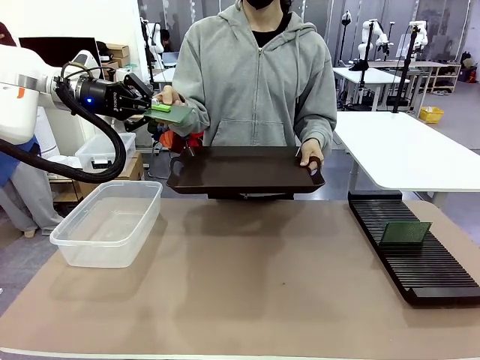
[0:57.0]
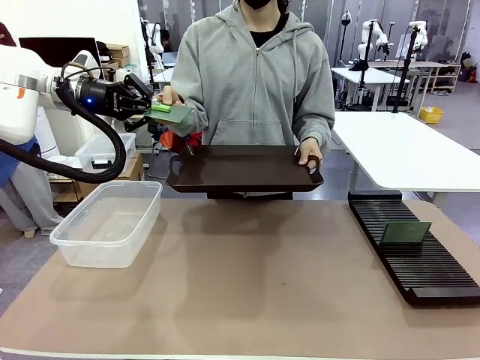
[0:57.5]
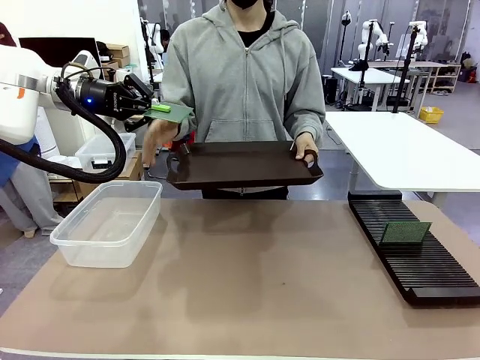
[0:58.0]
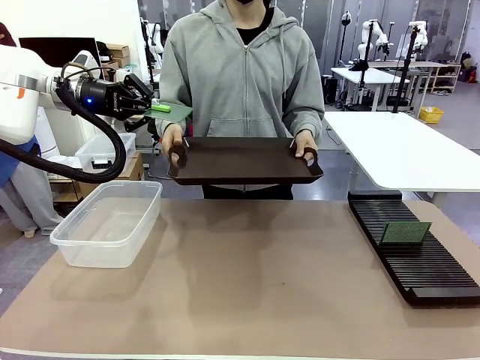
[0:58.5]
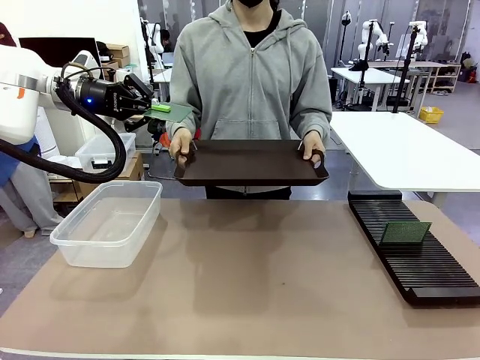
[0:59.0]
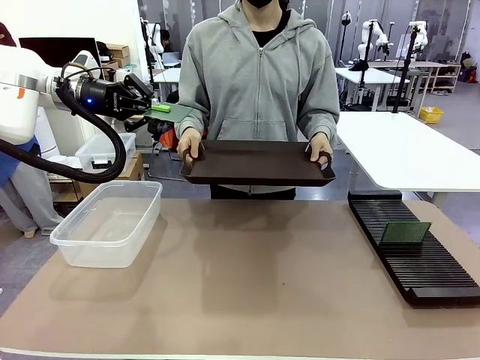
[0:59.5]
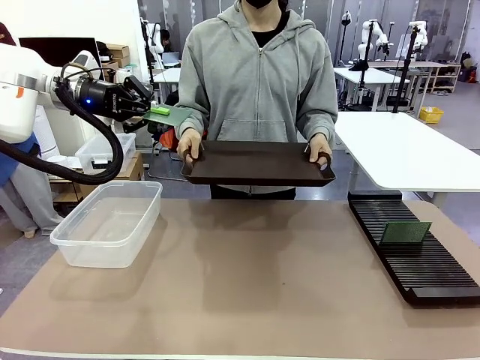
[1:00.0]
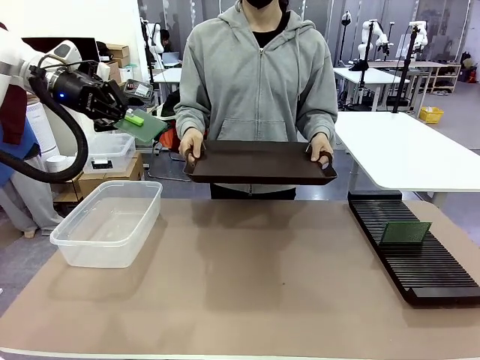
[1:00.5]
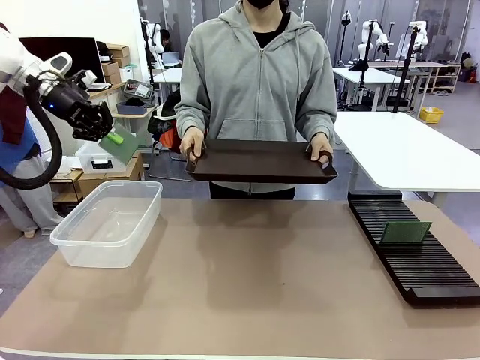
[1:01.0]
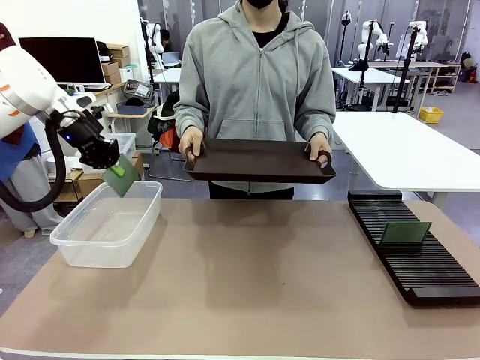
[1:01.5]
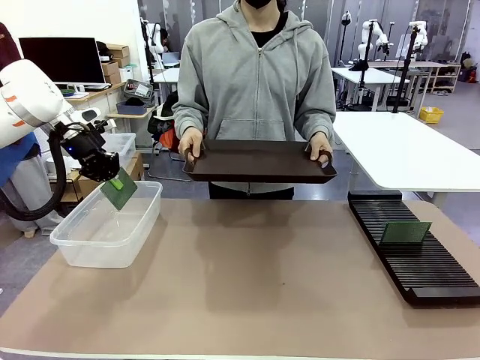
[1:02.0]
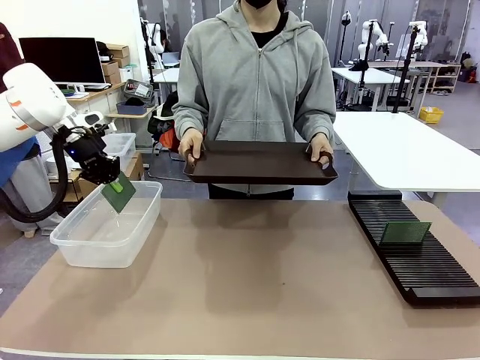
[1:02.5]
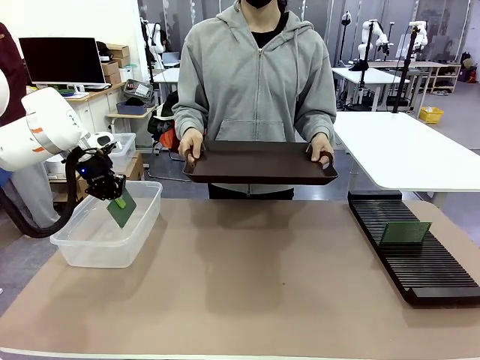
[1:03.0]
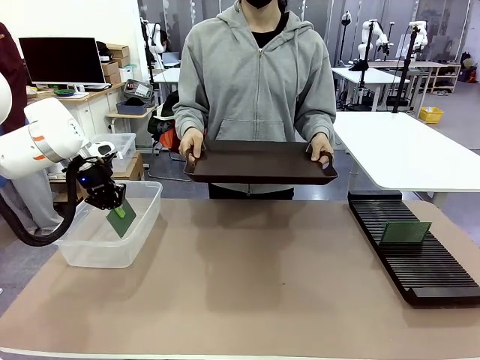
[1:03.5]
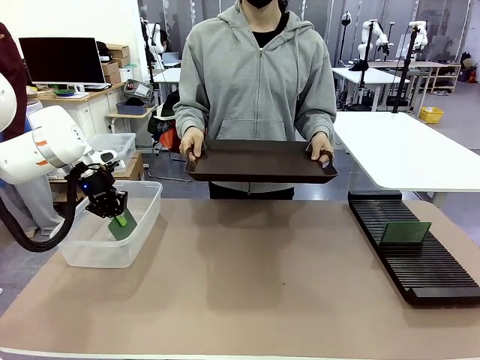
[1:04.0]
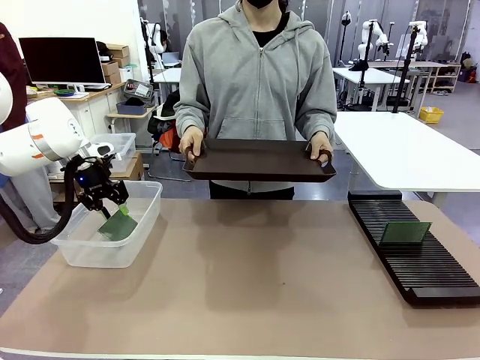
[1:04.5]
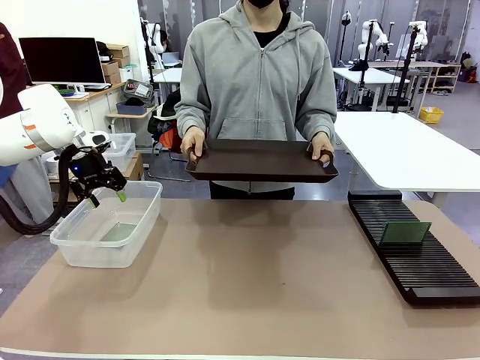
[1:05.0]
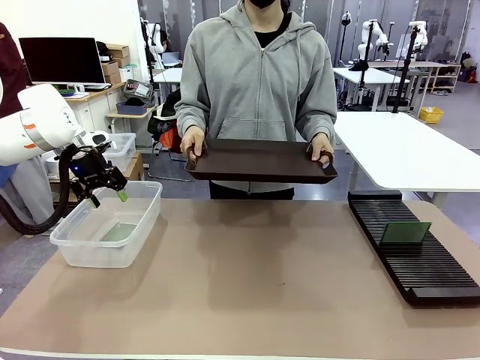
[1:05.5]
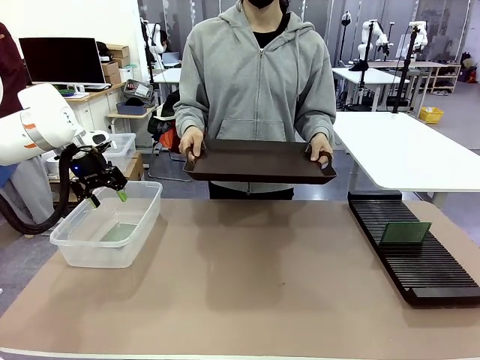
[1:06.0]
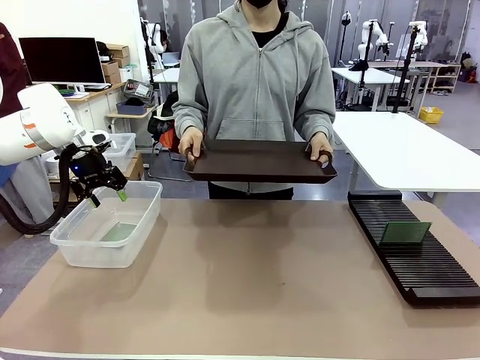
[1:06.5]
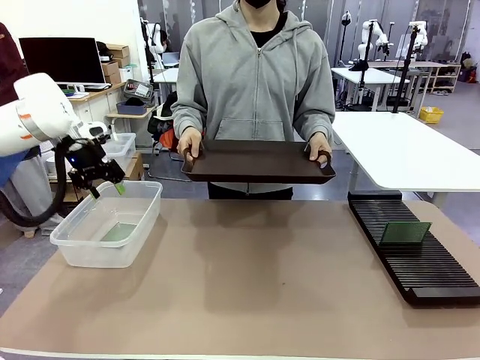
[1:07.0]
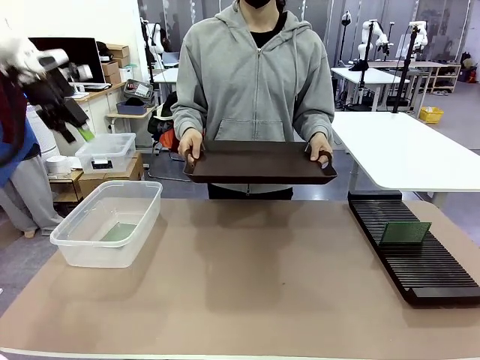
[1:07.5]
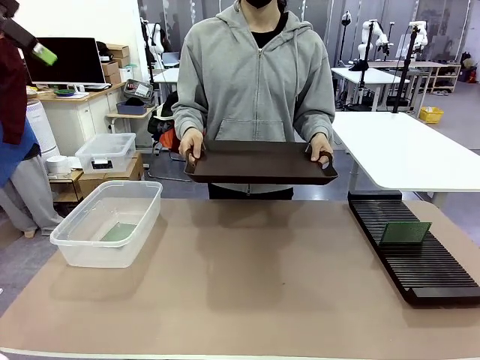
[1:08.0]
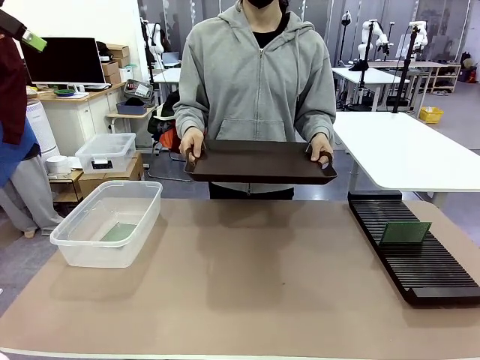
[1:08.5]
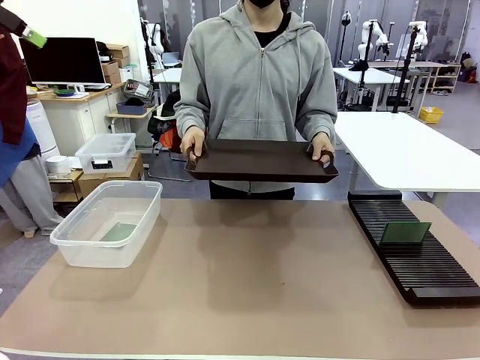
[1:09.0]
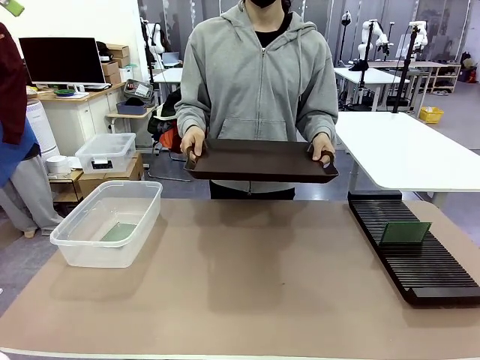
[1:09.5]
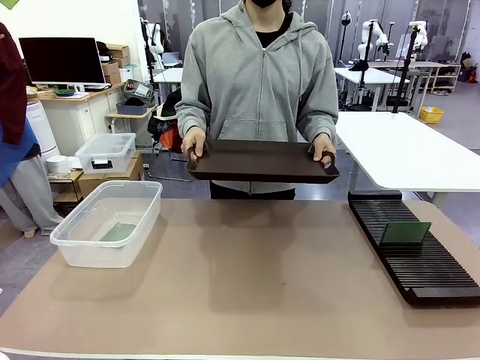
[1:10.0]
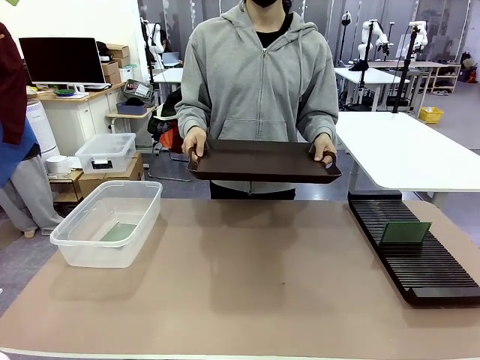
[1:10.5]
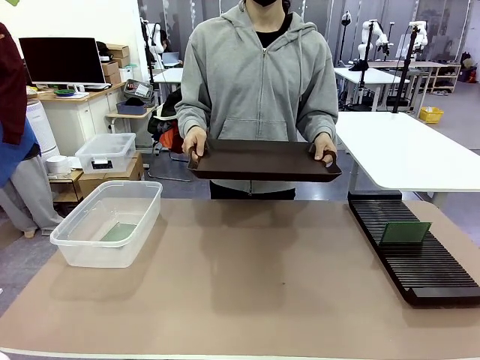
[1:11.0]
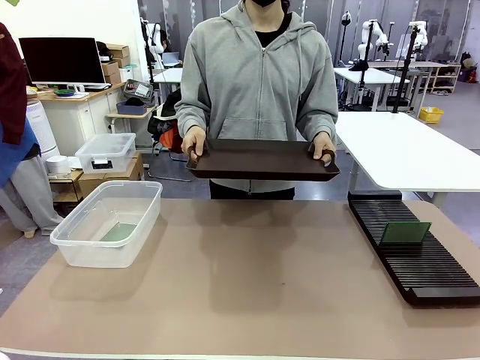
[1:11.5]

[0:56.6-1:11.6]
Task: Sort PCBs into racks and boxes based on the side picked up.
Robot: If the short side of the Blank PCB is picked up, insert it into the PCB Rack ; if the long side is picked up, place it in the Organizing box.
Person: Release the PCB being held.

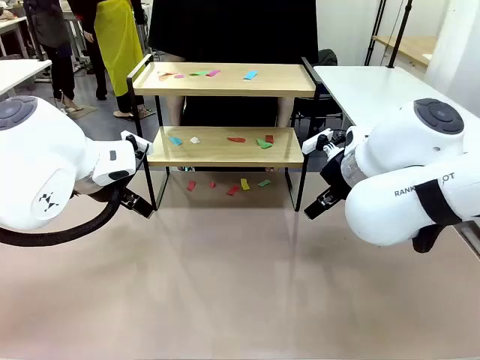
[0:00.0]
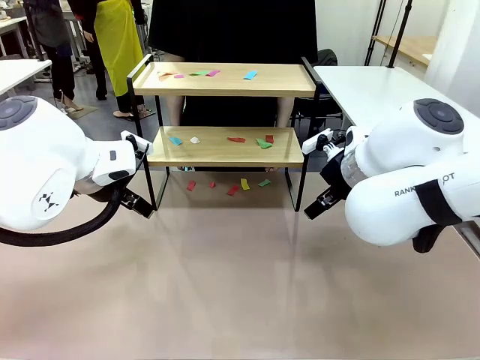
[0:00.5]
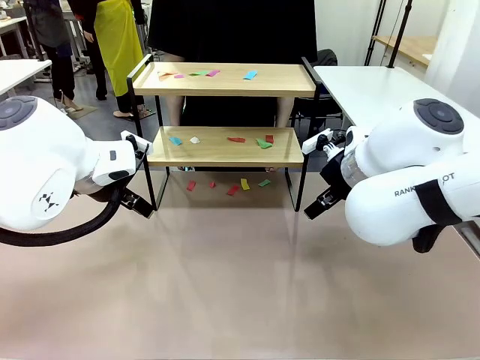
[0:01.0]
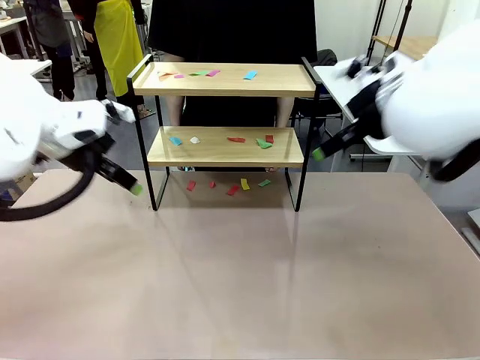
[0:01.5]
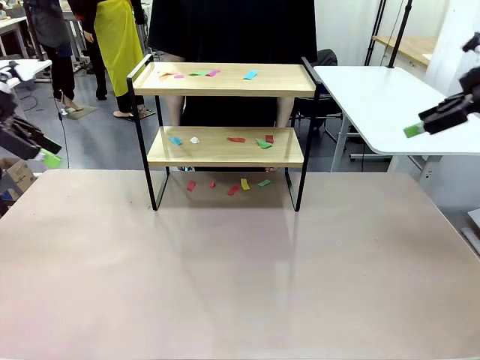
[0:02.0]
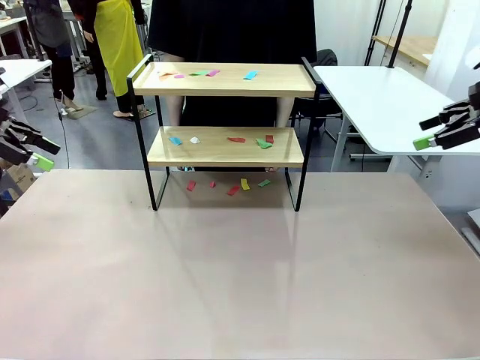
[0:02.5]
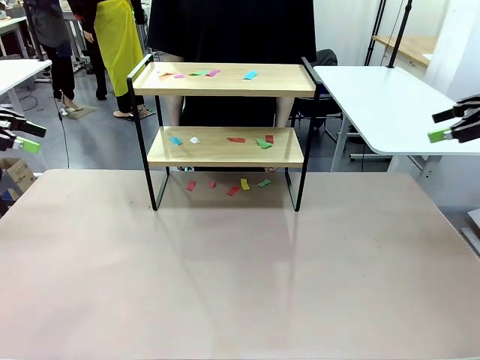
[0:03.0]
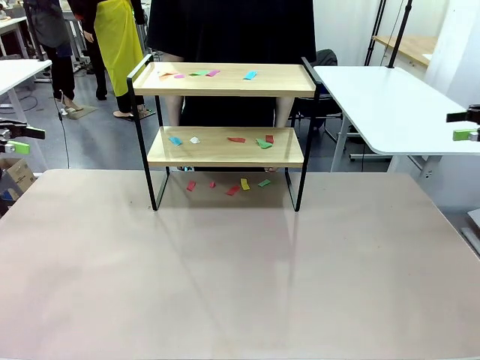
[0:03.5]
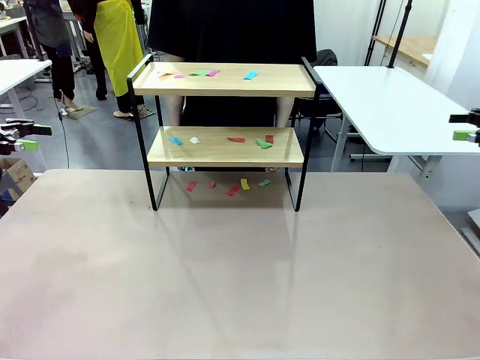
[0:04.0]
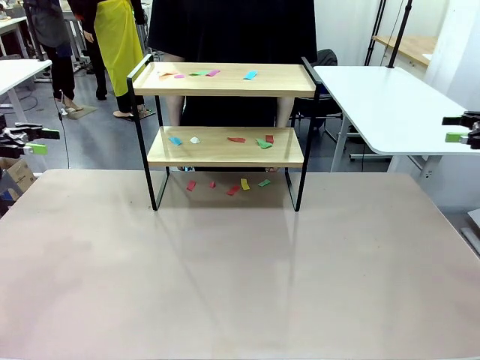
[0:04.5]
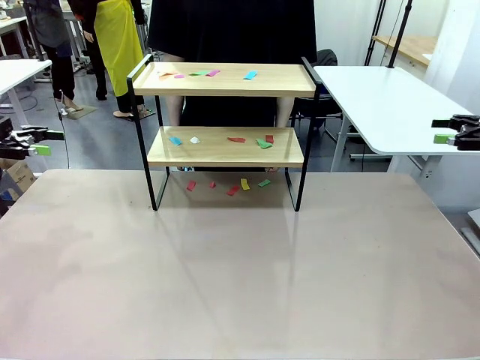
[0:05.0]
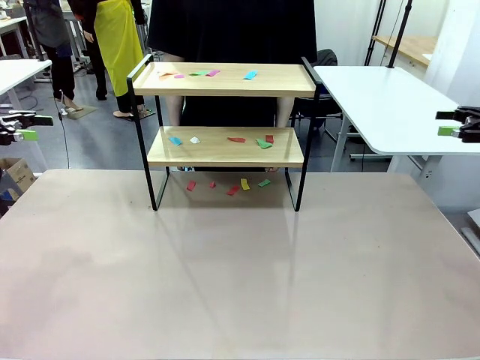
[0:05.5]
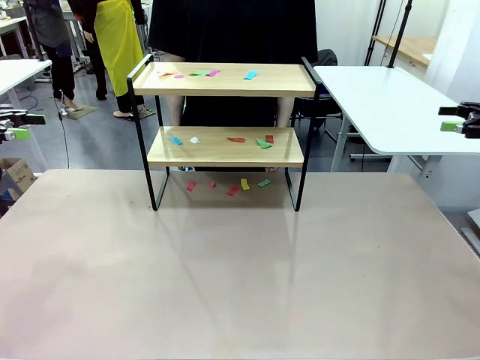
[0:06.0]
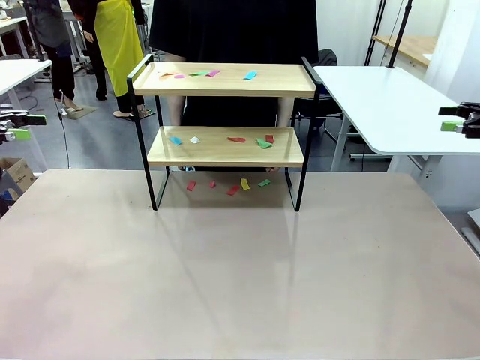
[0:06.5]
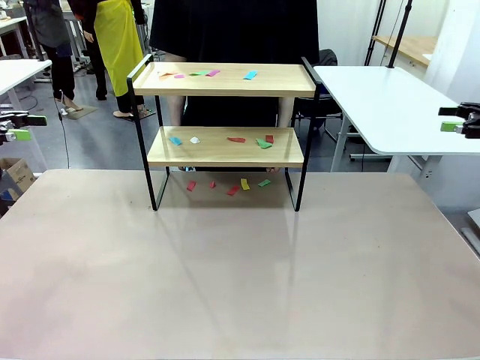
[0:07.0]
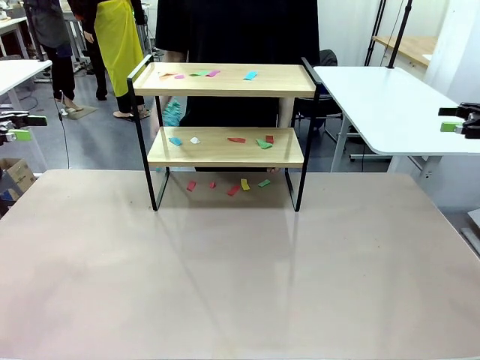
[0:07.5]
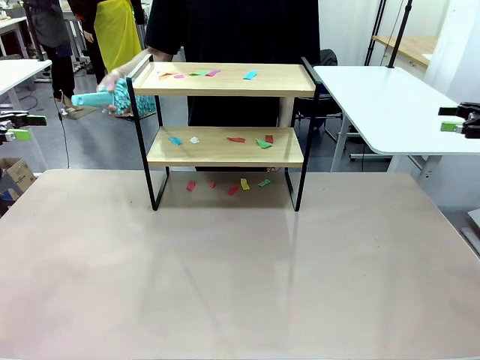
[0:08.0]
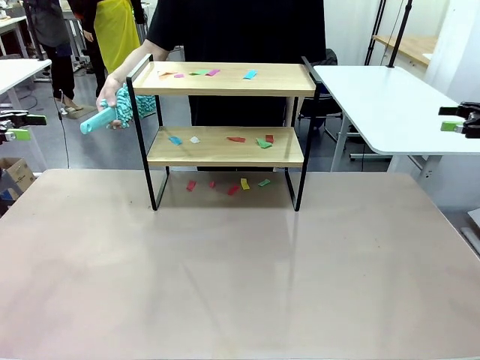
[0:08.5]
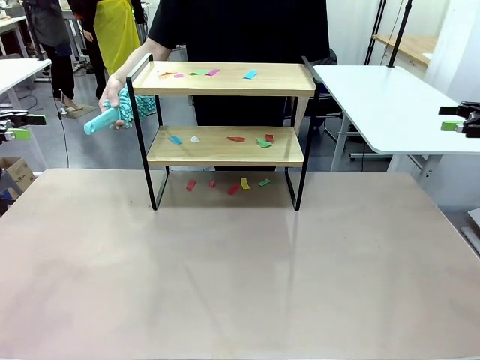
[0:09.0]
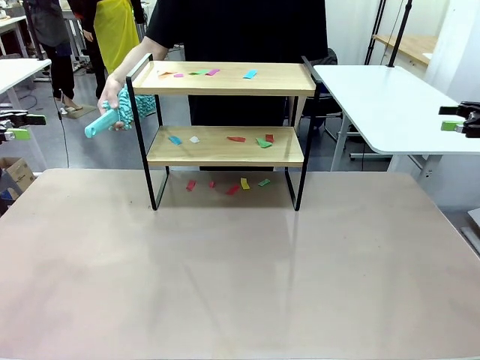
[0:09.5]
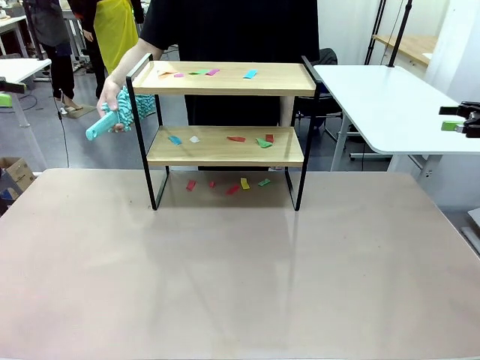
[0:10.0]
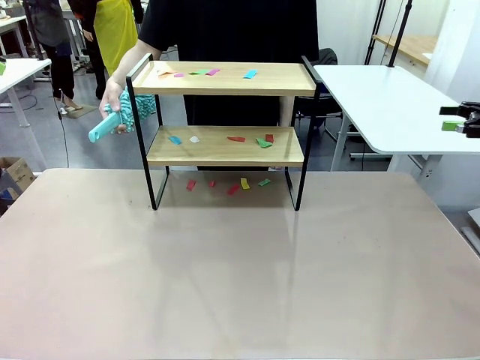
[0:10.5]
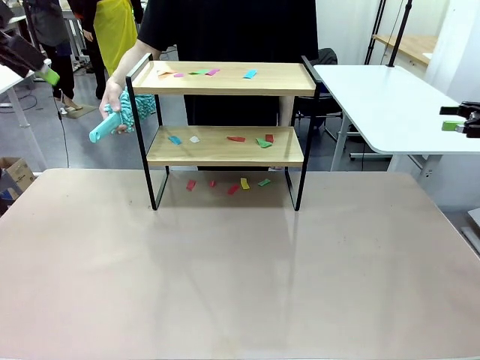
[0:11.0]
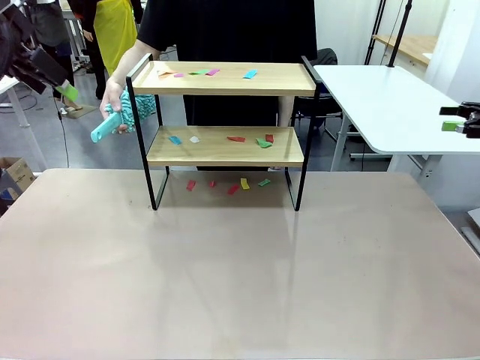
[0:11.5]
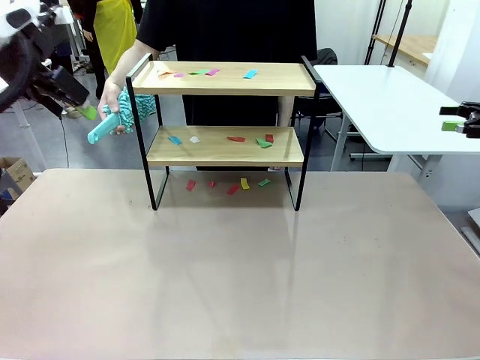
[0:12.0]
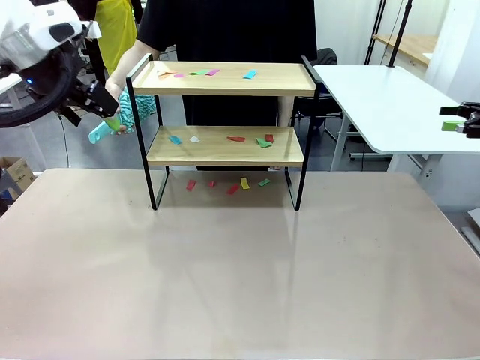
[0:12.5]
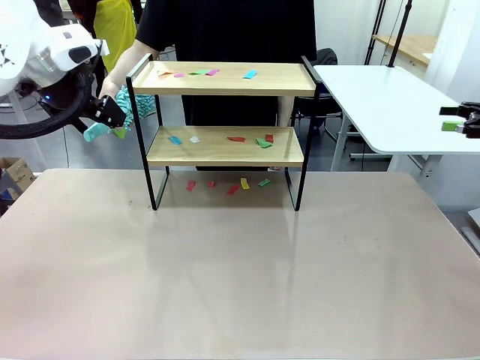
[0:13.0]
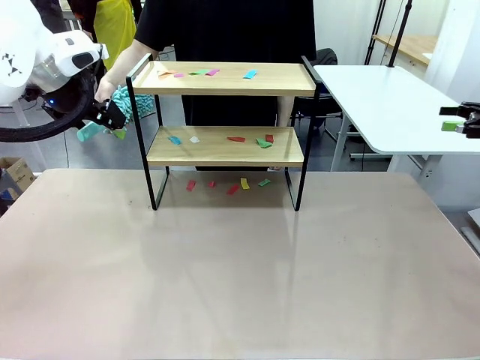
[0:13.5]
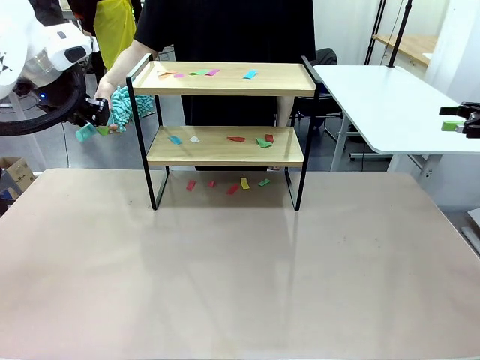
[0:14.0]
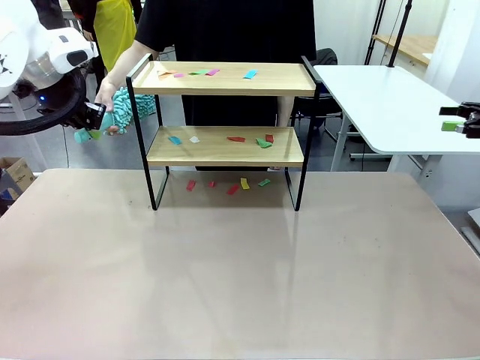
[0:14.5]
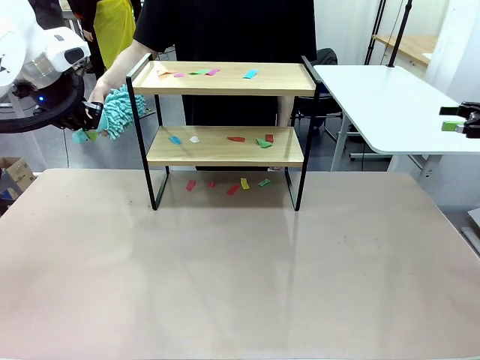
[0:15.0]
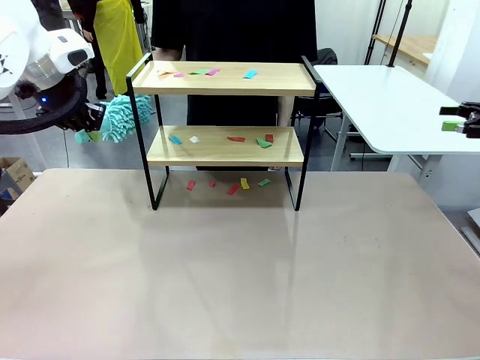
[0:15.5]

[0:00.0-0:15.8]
Task: Clean the shelf.
Robot: Pick up the Duster handed by the human.
Person: Hand the Duster to the robot.
